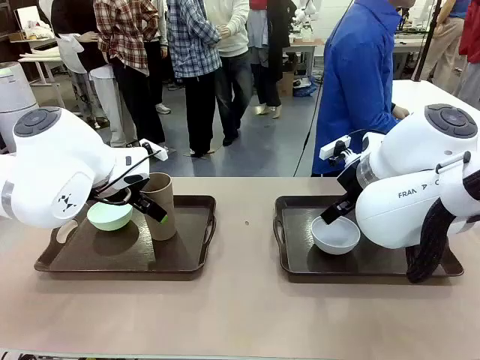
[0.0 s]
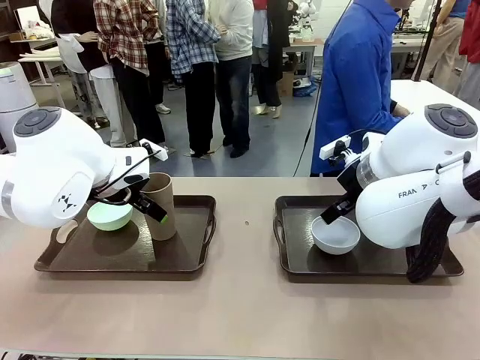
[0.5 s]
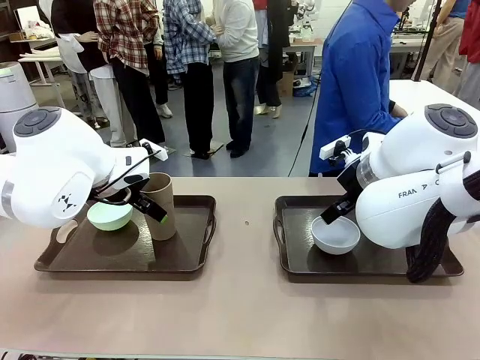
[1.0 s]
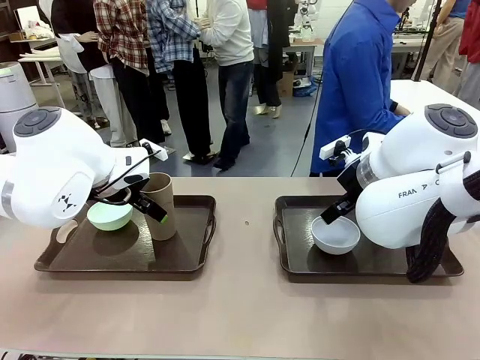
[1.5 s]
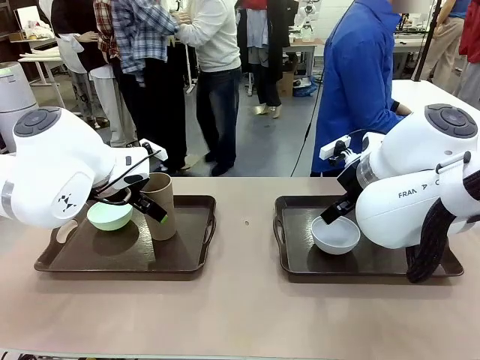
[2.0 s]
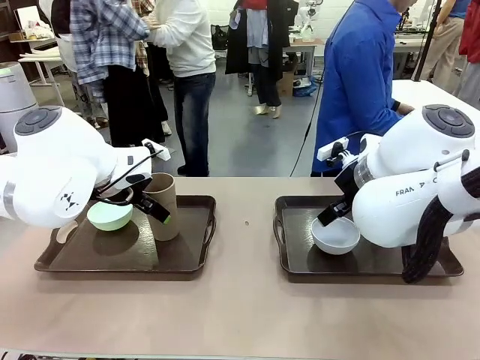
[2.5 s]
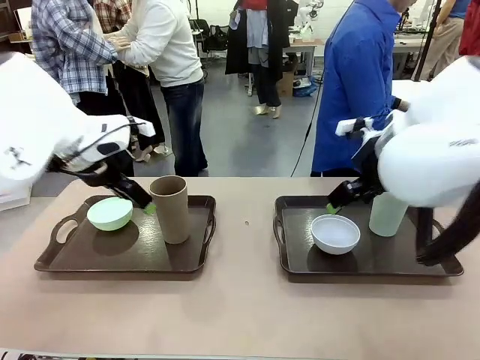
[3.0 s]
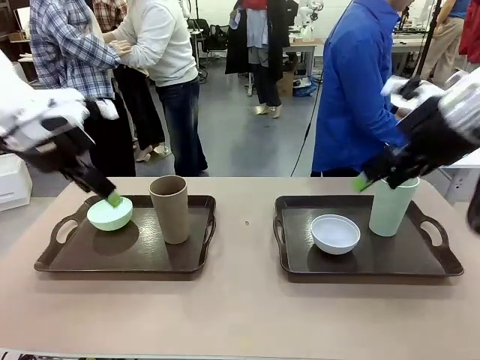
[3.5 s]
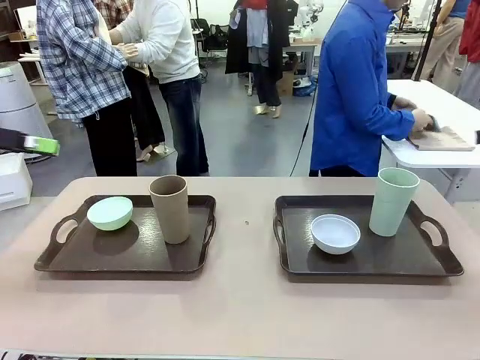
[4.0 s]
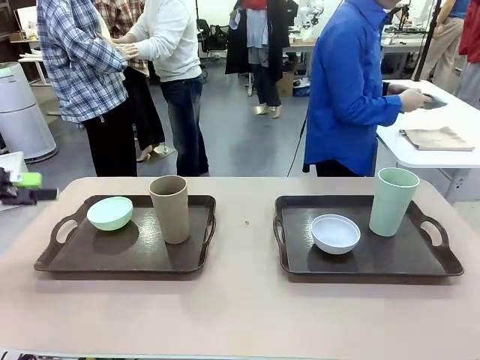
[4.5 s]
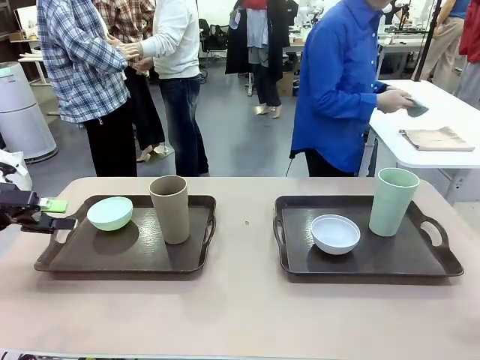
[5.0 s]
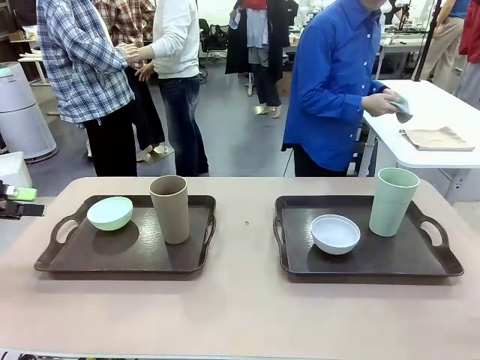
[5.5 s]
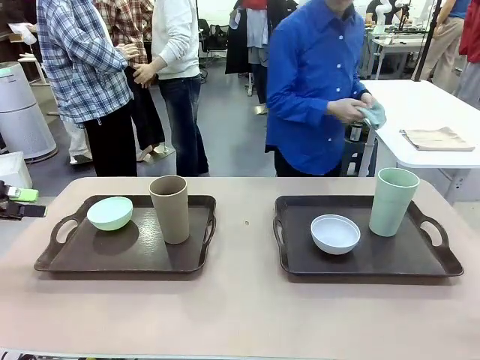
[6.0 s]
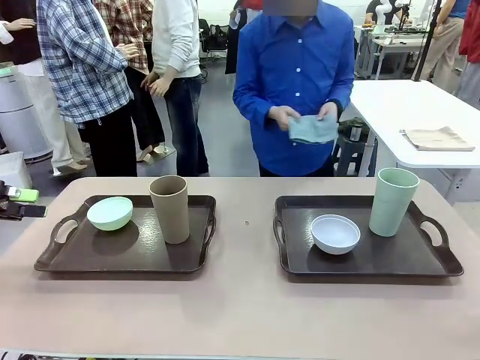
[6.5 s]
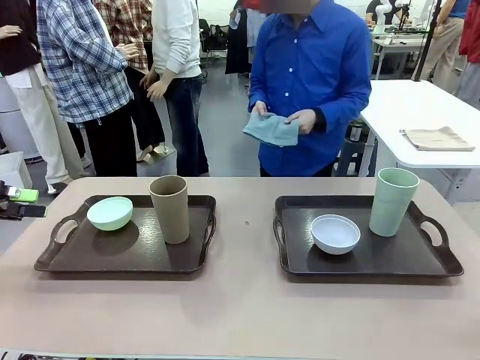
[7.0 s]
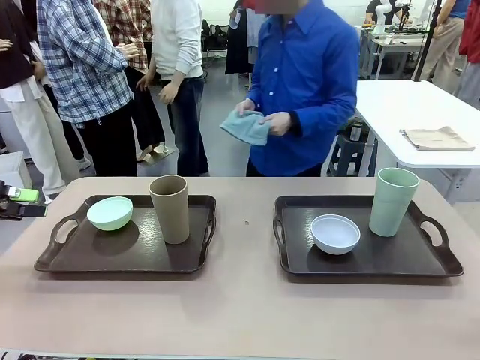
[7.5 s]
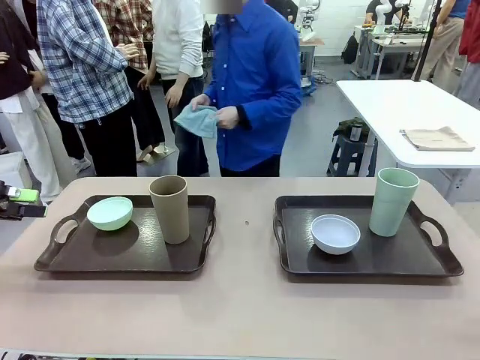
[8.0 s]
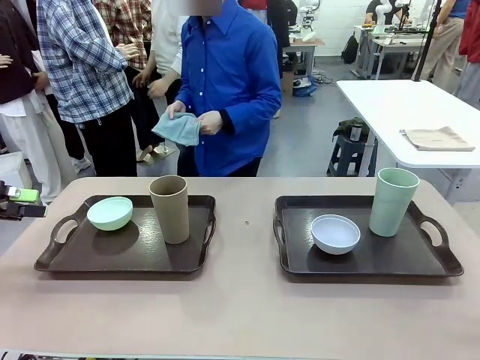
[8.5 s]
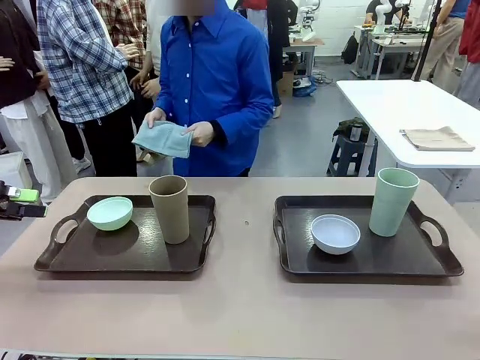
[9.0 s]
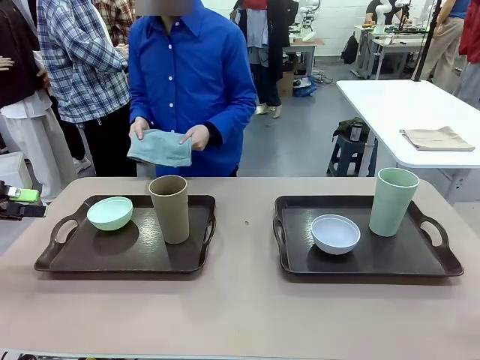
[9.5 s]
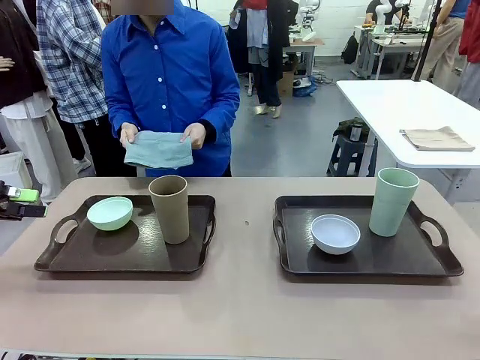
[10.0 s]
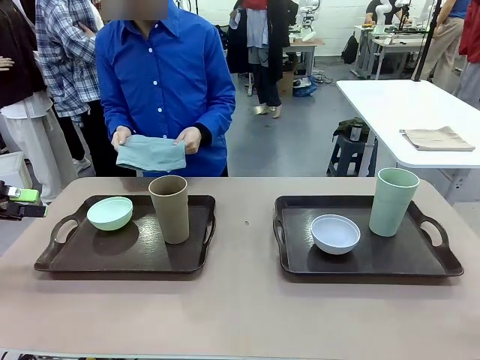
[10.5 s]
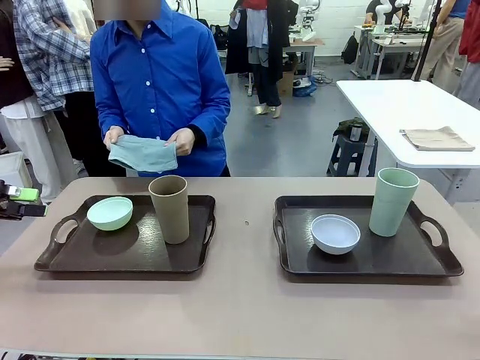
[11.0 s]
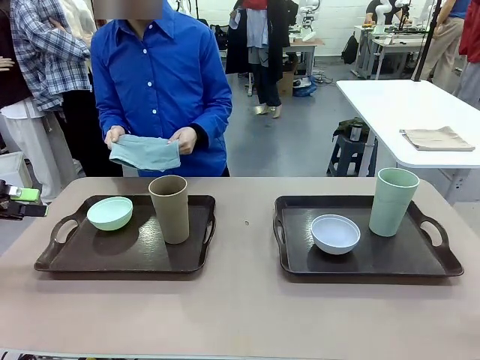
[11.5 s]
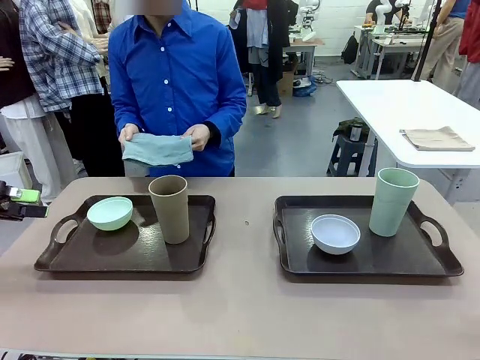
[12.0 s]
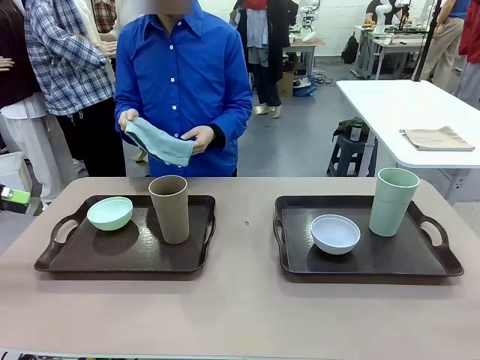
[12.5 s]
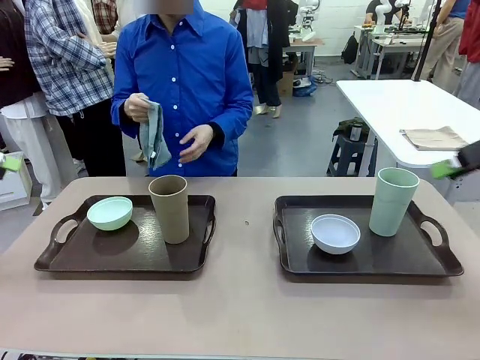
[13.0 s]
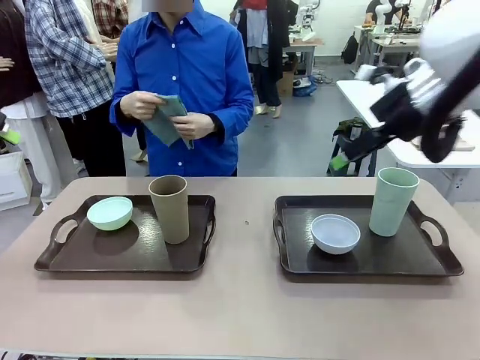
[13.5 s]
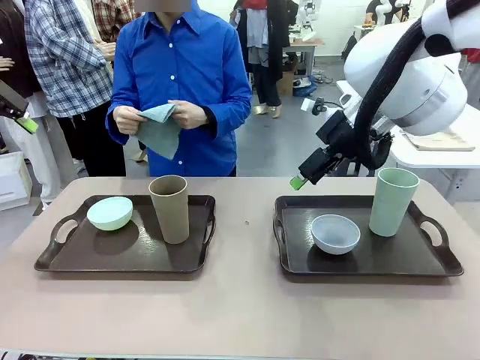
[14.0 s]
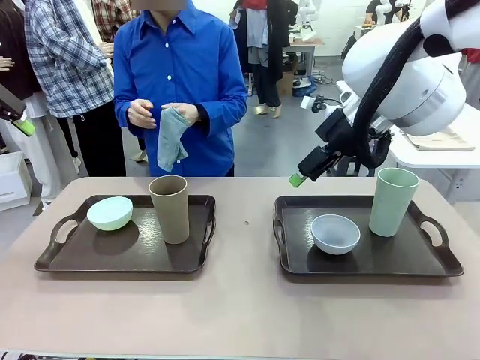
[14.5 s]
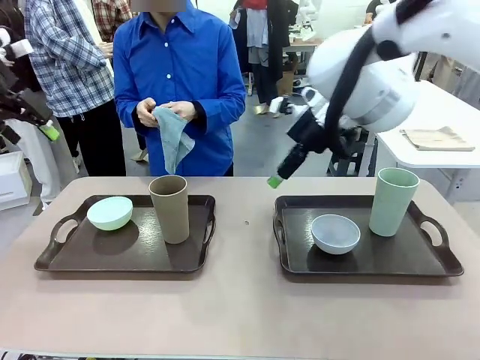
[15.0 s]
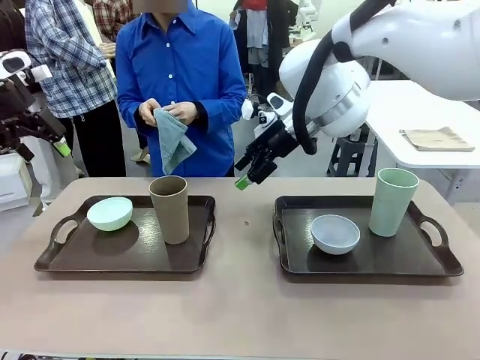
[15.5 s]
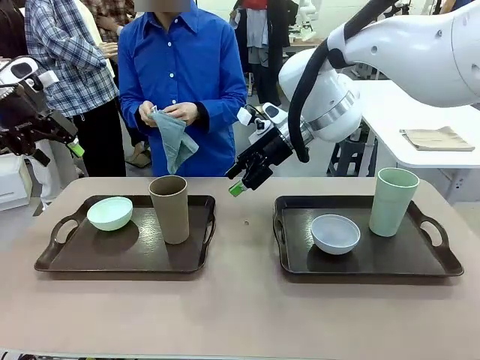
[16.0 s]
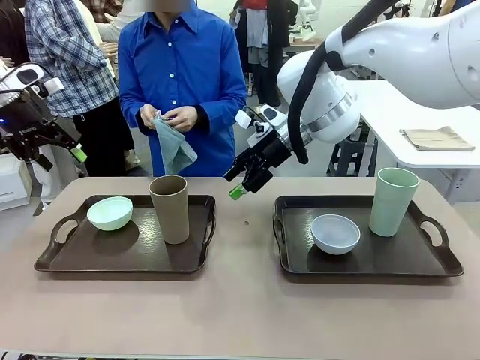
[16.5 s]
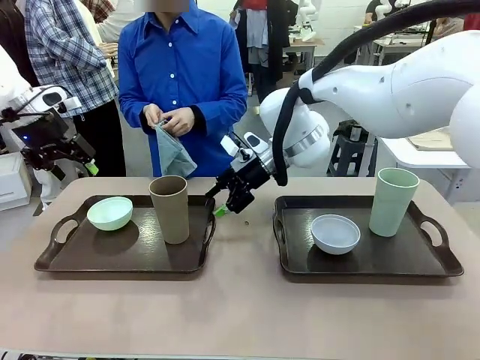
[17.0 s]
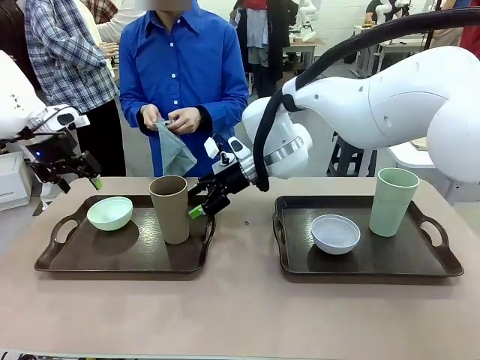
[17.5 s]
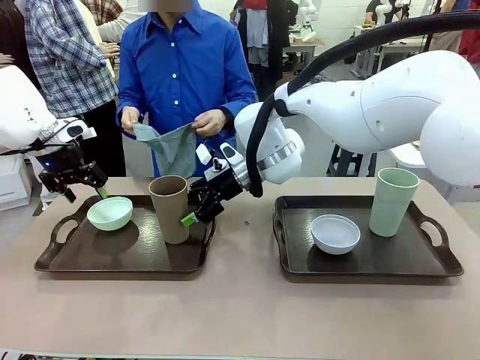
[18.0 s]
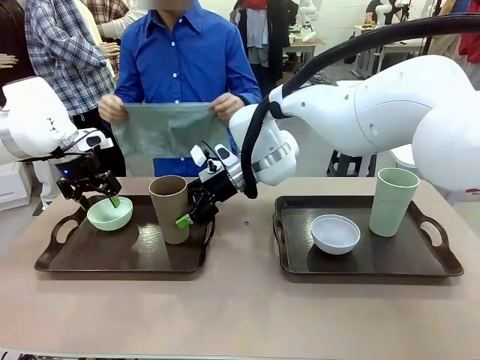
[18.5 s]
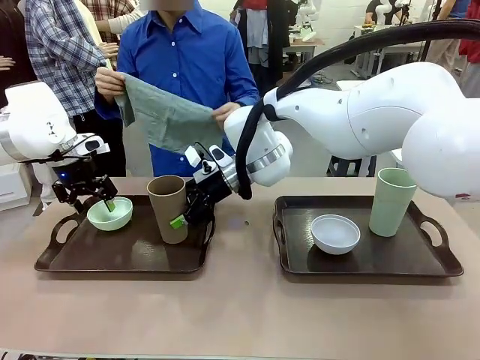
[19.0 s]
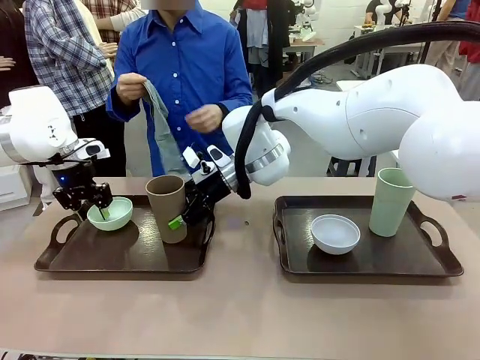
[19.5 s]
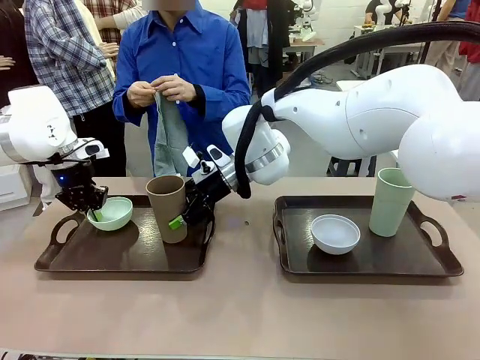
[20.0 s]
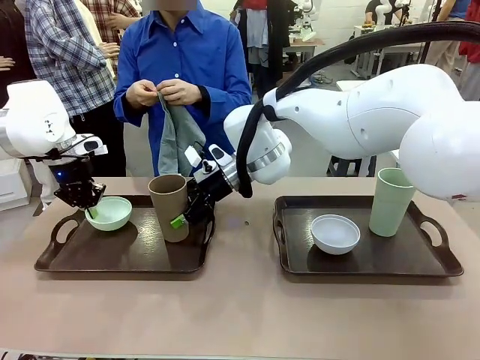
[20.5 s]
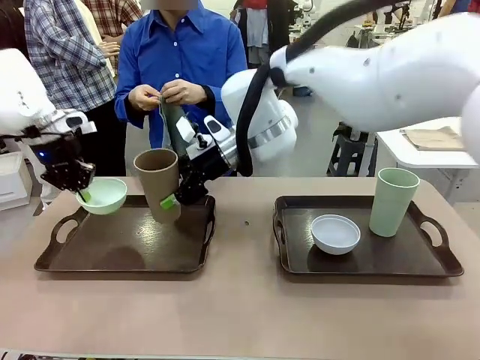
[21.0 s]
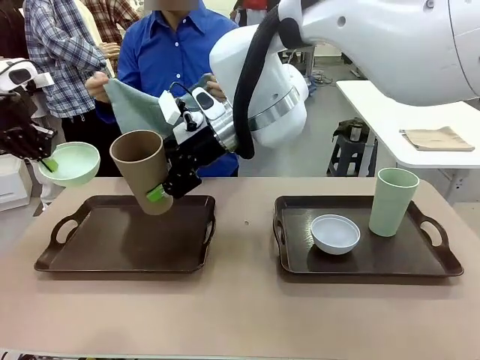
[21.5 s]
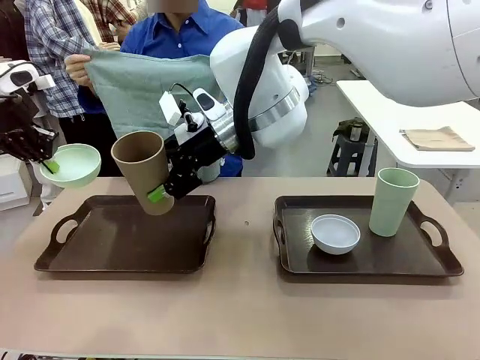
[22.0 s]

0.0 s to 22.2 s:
Robot: Pick up the Picnic Bowl and Reusable plastic cup from the Handle tray in front of the human's position and hold them in the air.
Person: The human picks up the top napkin from the stack on the human table and walks to the robot table to stand in front of one of the two trays. When the robot lifts the bowl and the cup, the human unfolds the napkin and lays the napkin flat on the tray.
